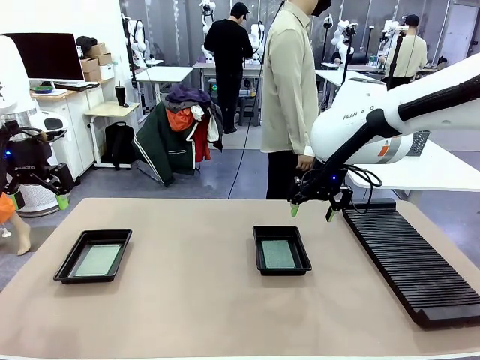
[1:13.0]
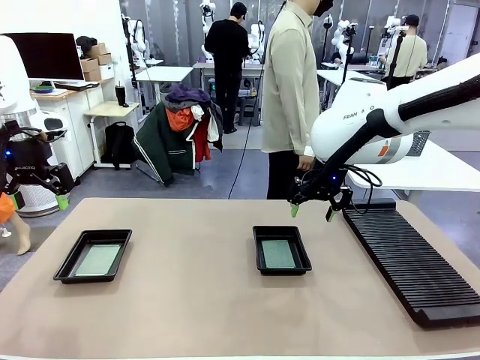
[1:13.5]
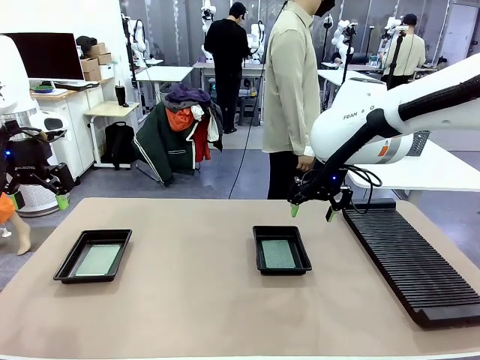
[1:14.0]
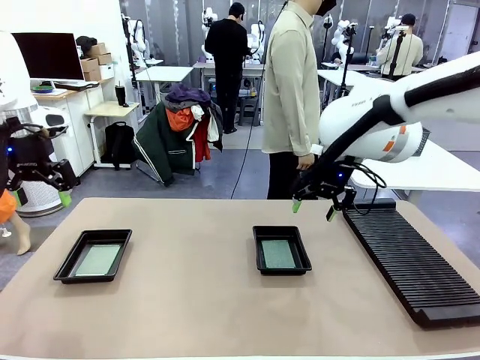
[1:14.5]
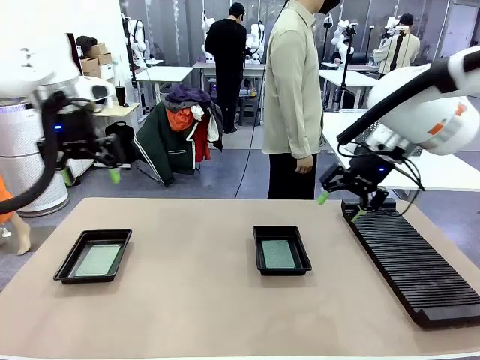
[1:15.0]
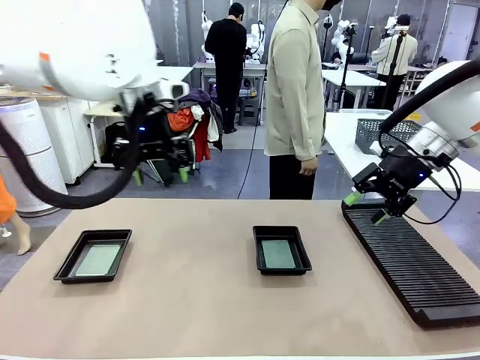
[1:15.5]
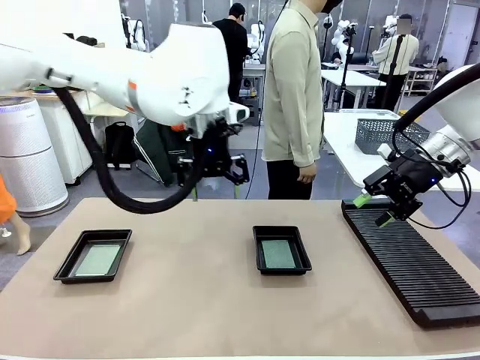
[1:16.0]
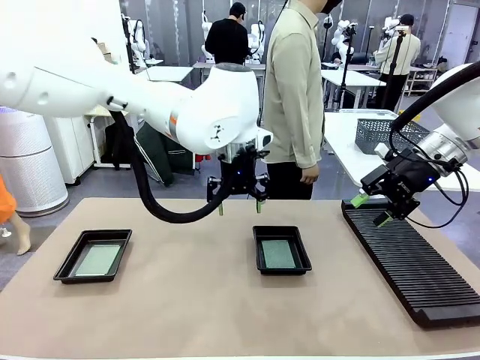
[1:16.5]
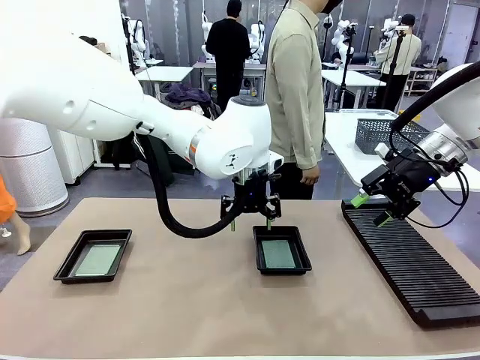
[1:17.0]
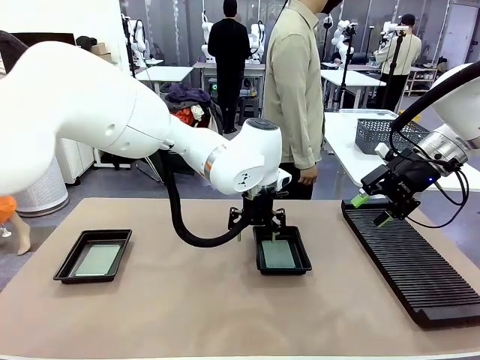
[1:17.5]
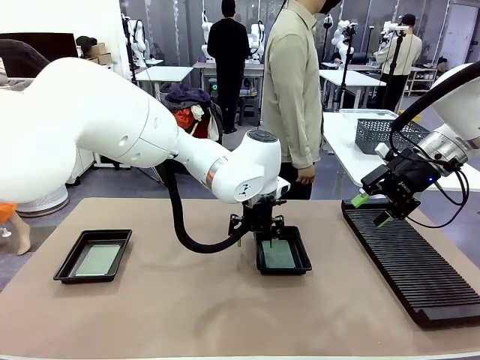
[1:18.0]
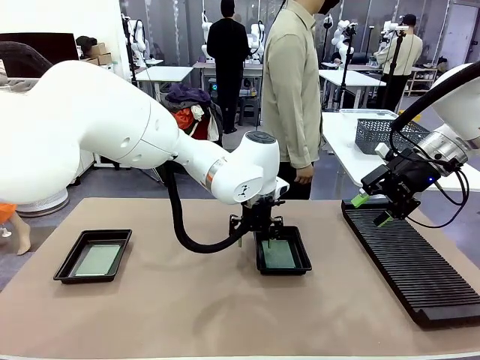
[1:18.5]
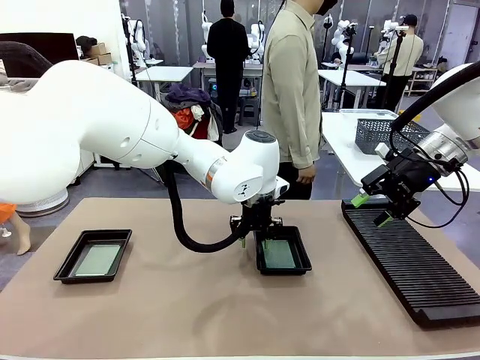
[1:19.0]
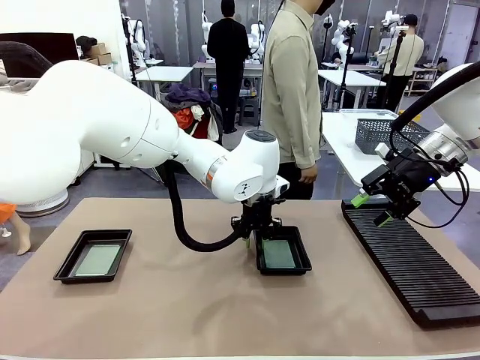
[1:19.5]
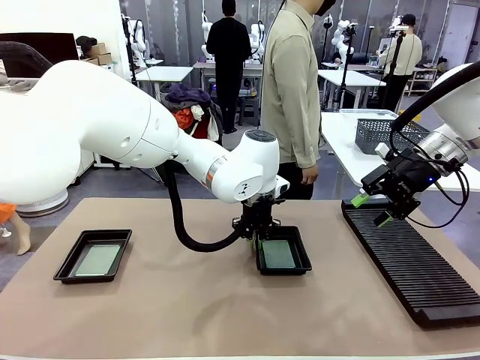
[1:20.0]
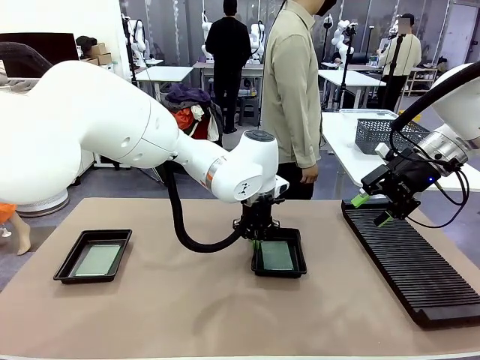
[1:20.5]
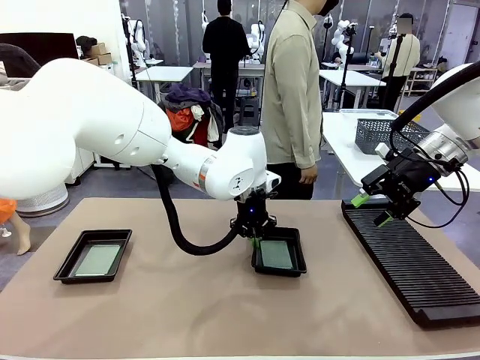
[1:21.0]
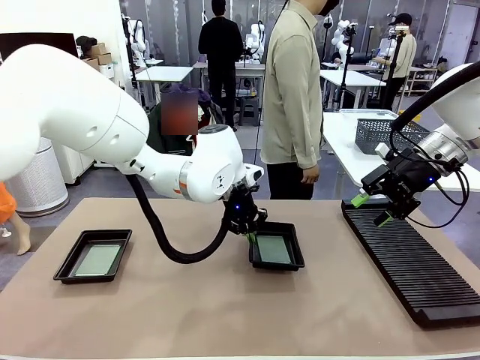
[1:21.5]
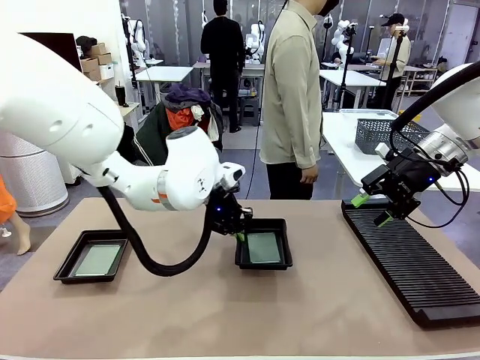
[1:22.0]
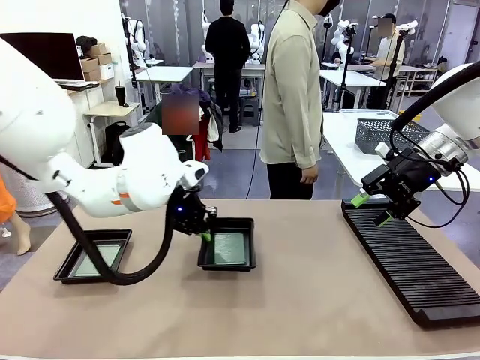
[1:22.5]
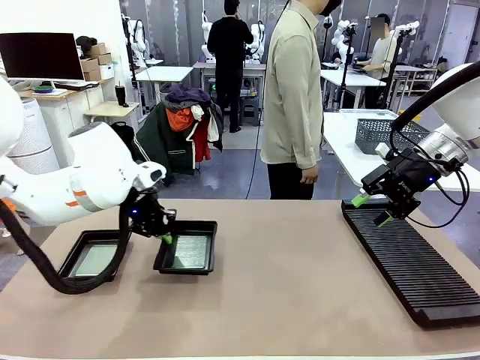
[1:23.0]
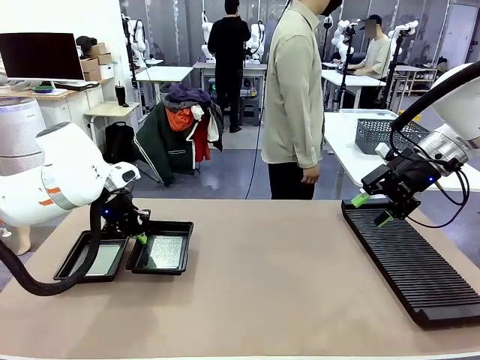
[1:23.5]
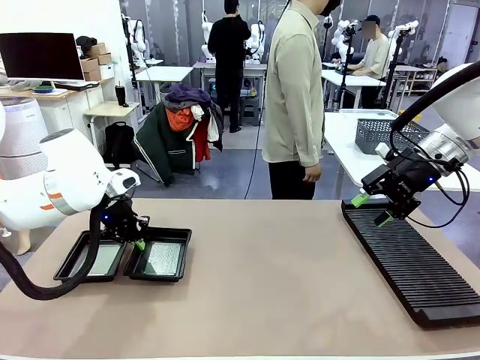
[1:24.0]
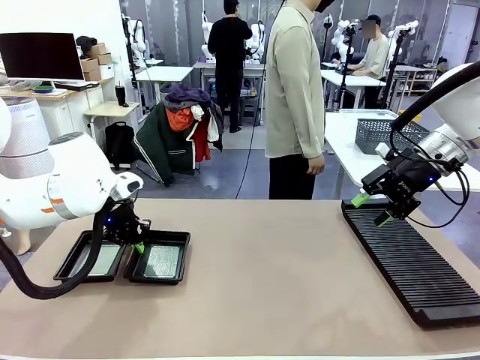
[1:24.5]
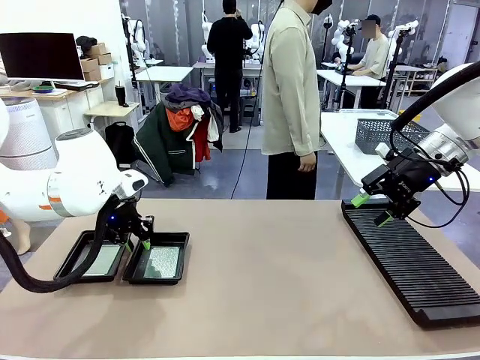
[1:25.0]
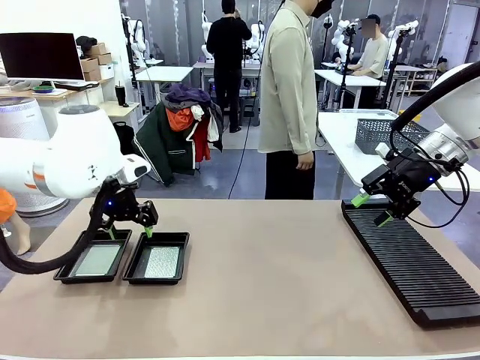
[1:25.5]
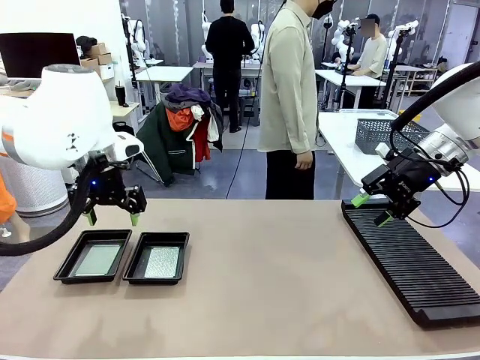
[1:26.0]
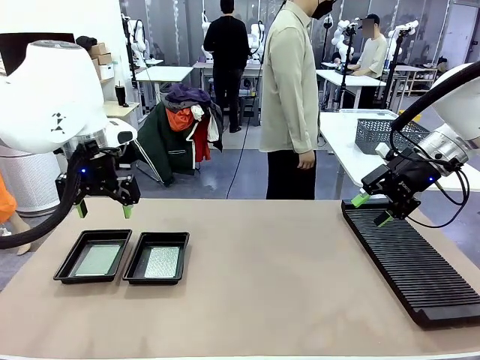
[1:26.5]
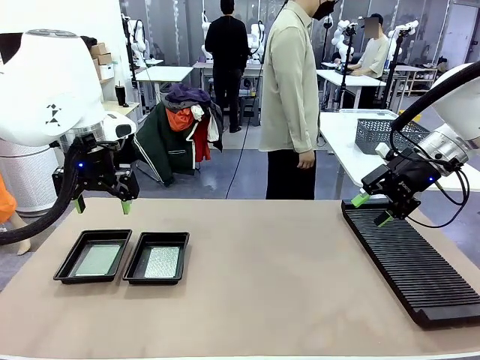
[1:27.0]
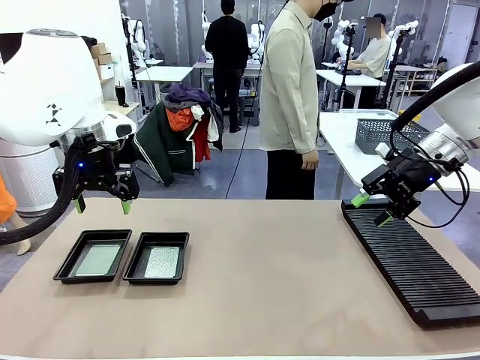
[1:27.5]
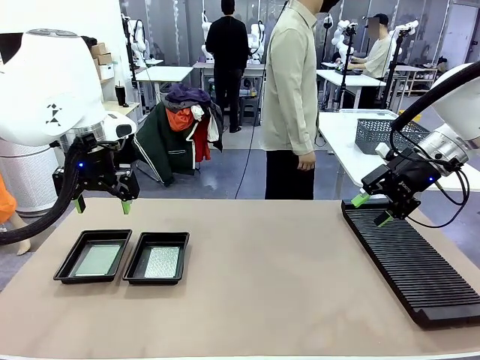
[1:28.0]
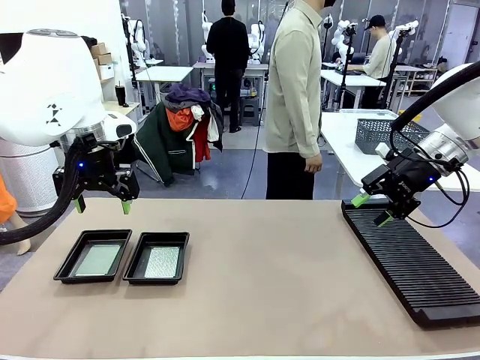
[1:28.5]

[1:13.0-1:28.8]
Task: Inspect and transfer BCBs to ESD trays.
Robot: Pick up the ESD tray and place it on the left side of the table.

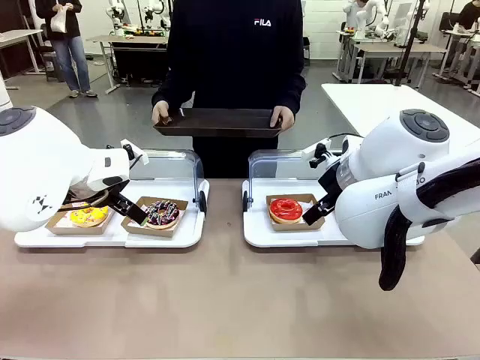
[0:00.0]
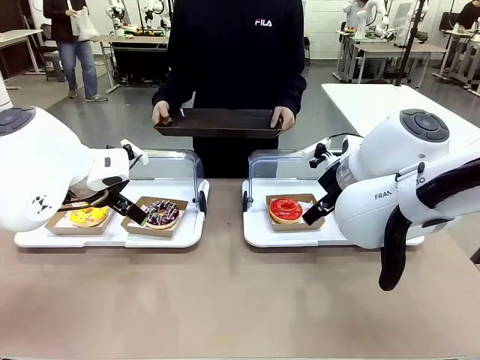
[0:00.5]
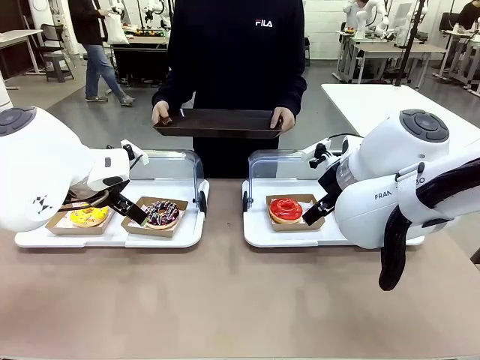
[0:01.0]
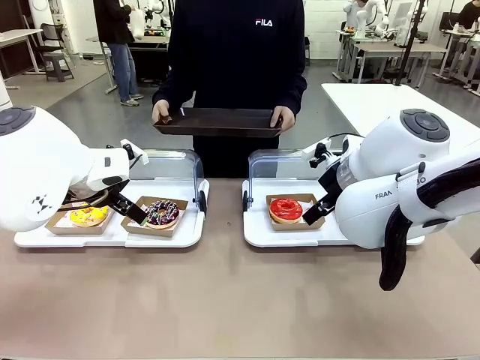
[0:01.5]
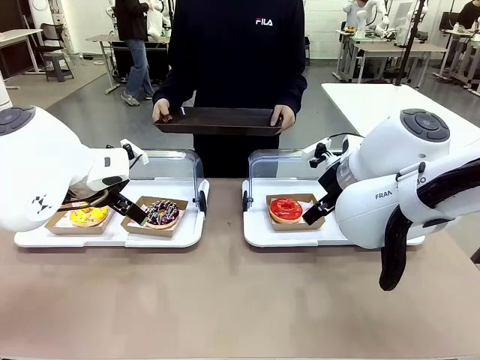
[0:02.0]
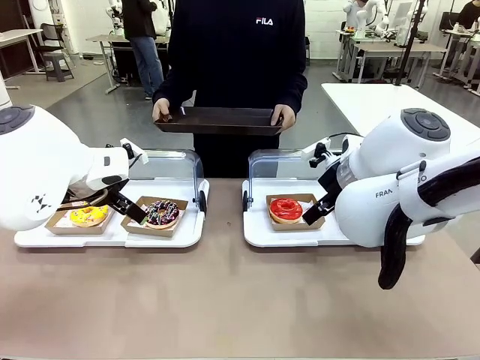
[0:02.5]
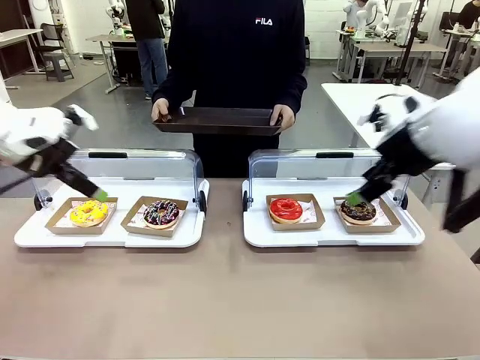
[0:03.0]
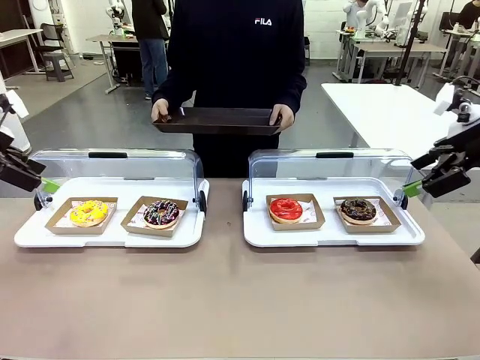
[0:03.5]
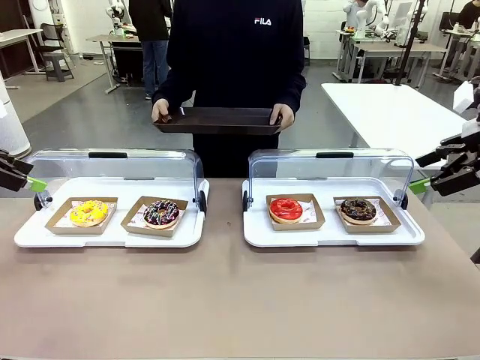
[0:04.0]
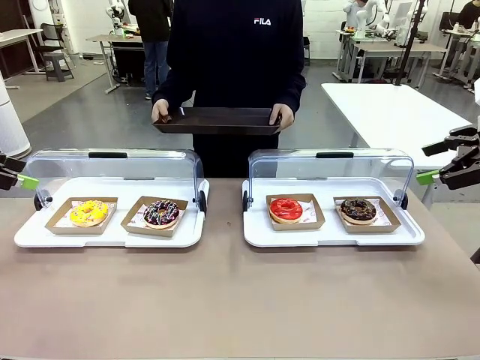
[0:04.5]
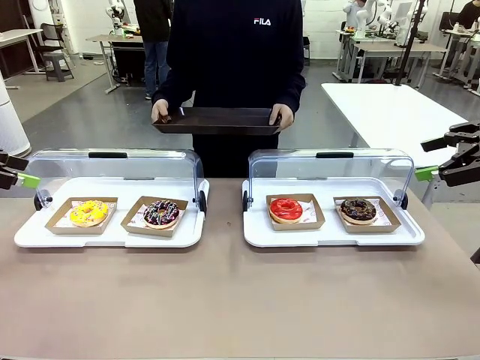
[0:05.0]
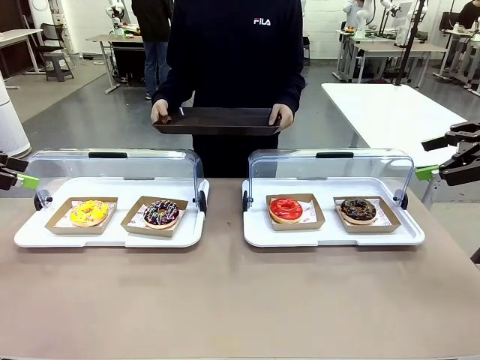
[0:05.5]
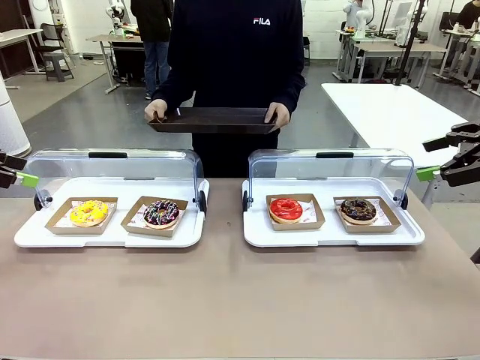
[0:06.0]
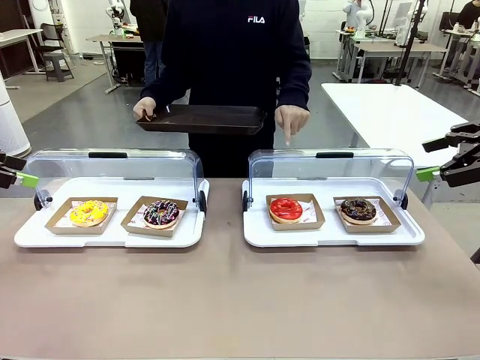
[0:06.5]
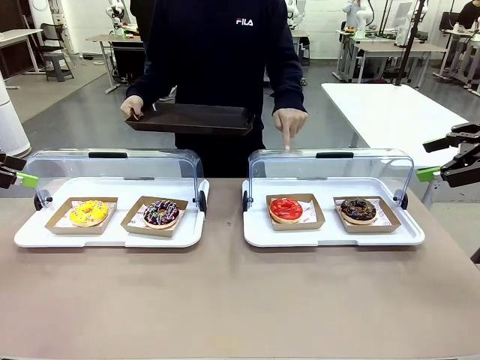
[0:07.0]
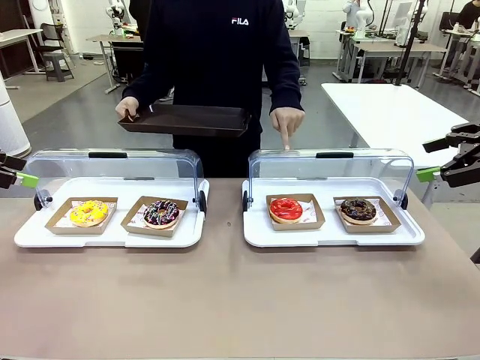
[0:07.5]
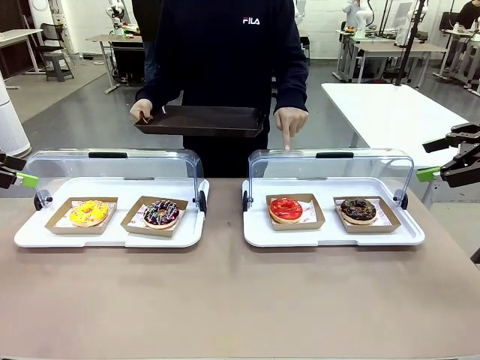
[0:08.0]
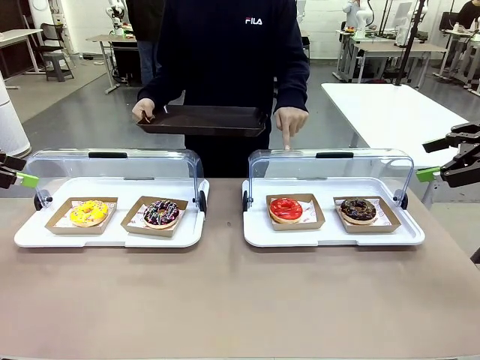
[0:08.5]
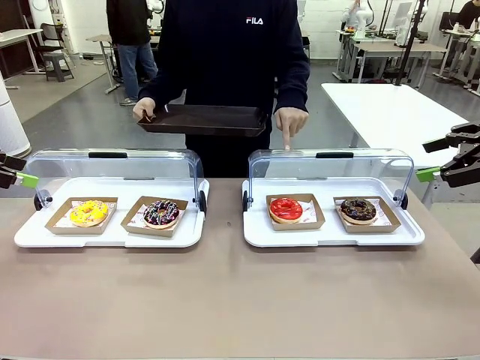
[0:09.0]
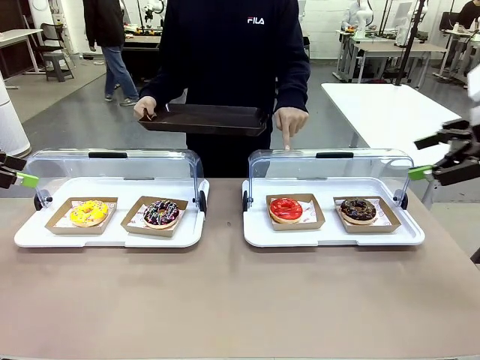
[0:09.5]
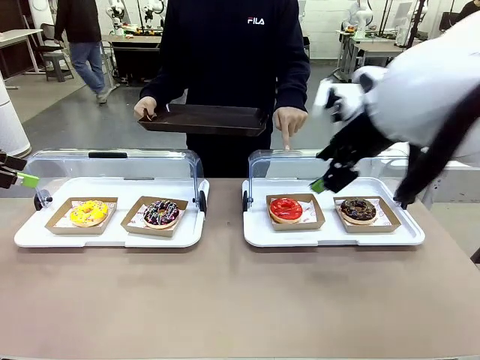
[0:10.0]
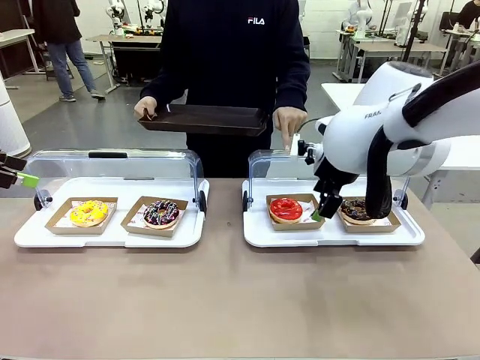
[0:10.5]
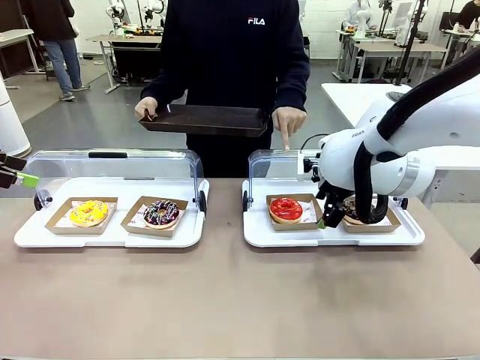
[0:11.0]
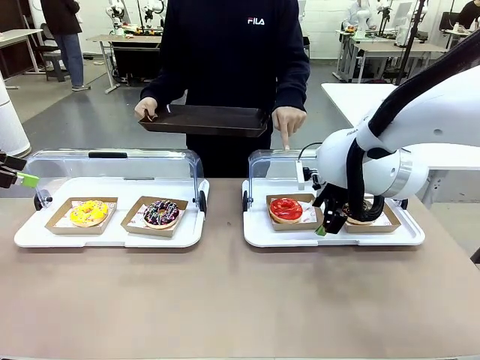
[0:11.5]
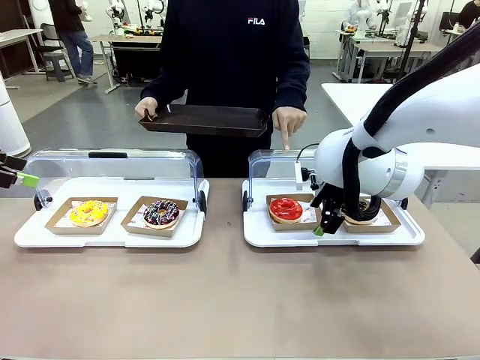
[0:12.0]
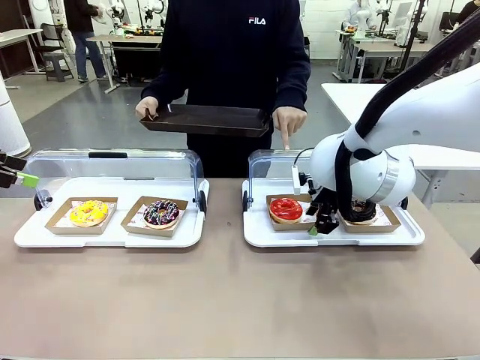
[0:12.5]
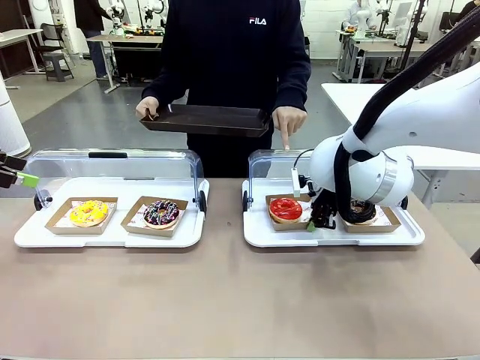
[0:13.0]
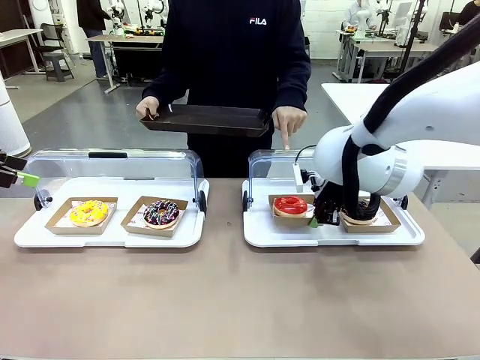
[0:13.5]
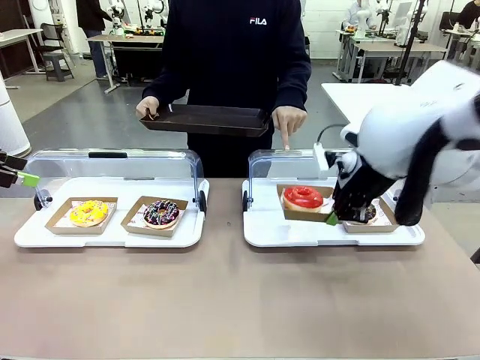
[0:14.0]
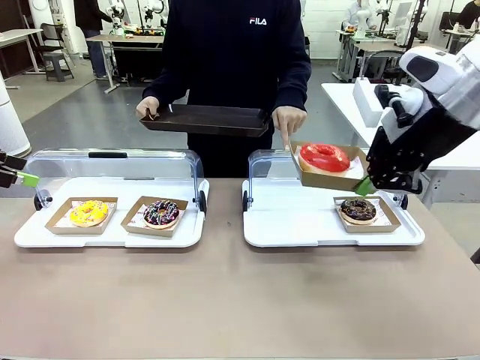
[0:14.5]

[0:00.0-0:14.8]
Task: Provide the desired donut to the person.
Robot: Pick up and lift the Paper togo box containing the Donut pointed at by the person.
Person: Point to one donut. Lift the tray onto the Roll-Top Bakery Case.
